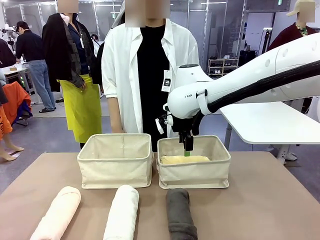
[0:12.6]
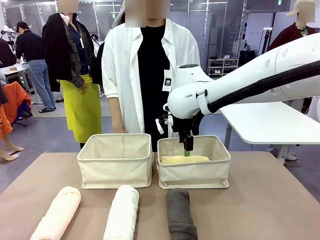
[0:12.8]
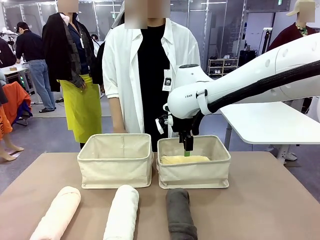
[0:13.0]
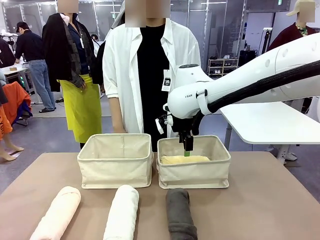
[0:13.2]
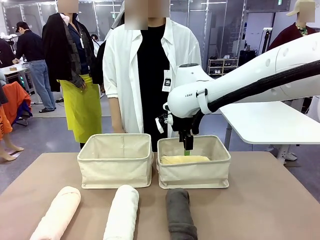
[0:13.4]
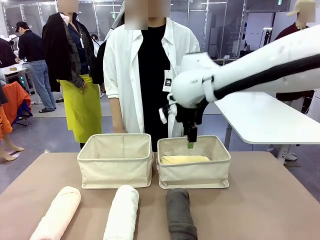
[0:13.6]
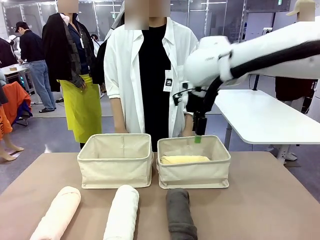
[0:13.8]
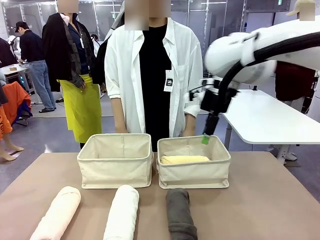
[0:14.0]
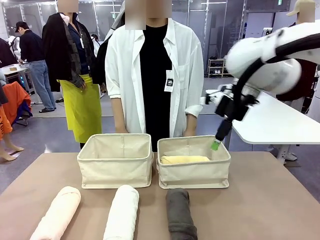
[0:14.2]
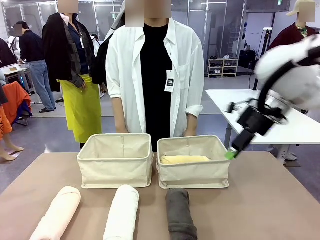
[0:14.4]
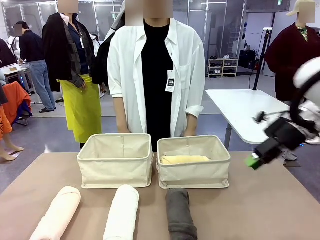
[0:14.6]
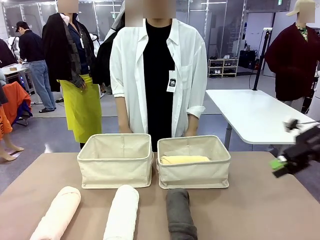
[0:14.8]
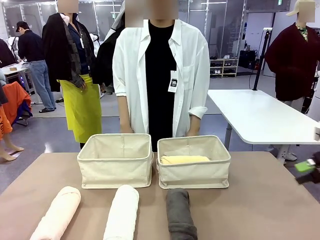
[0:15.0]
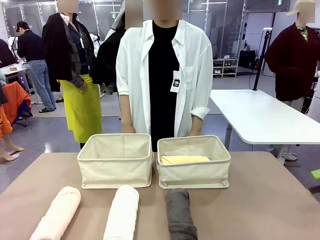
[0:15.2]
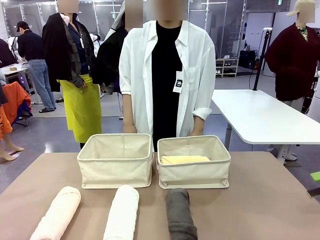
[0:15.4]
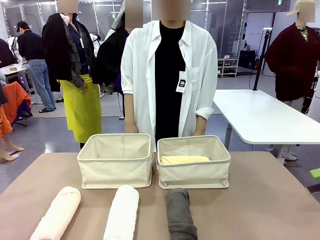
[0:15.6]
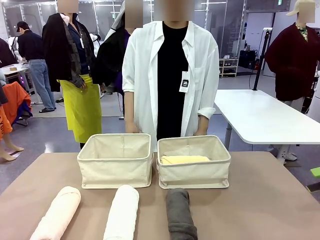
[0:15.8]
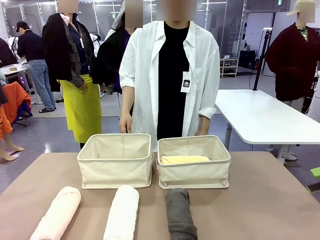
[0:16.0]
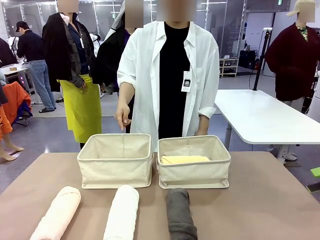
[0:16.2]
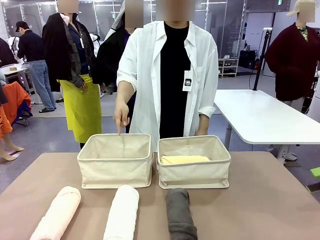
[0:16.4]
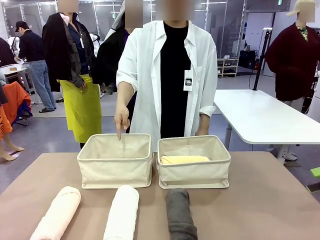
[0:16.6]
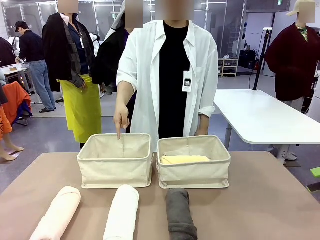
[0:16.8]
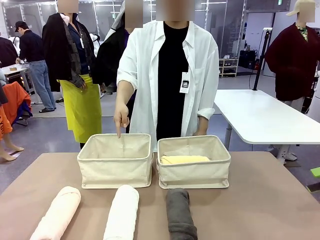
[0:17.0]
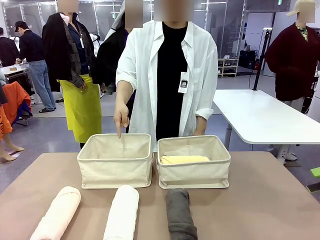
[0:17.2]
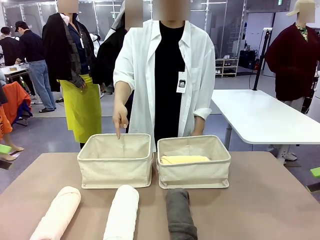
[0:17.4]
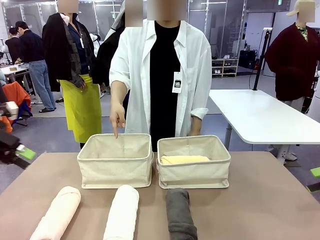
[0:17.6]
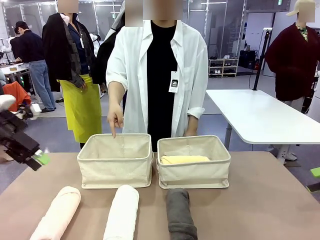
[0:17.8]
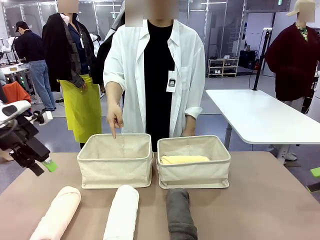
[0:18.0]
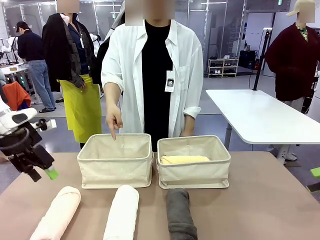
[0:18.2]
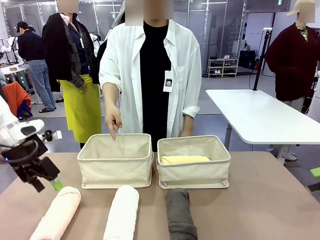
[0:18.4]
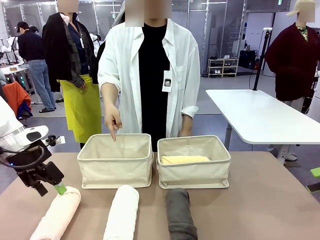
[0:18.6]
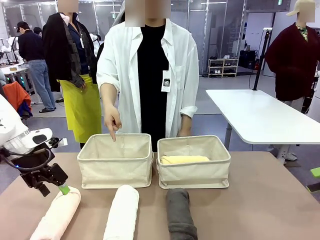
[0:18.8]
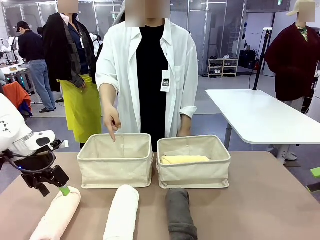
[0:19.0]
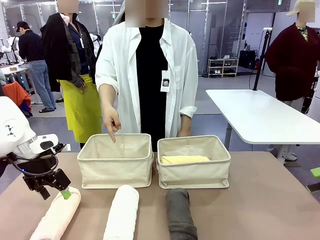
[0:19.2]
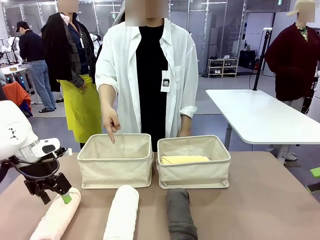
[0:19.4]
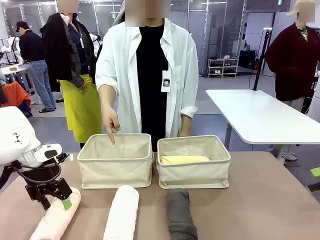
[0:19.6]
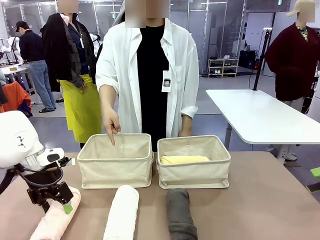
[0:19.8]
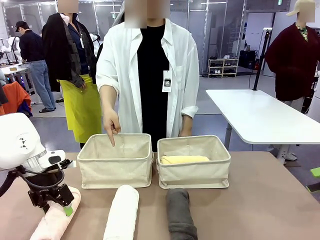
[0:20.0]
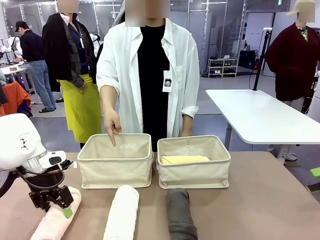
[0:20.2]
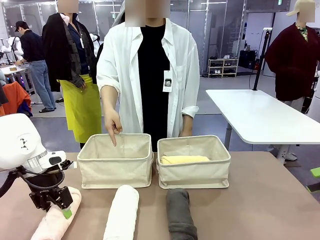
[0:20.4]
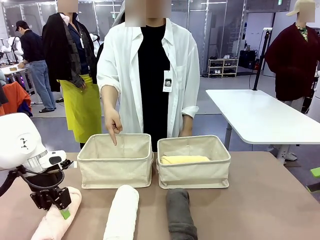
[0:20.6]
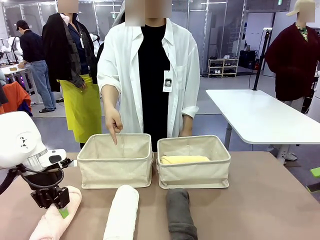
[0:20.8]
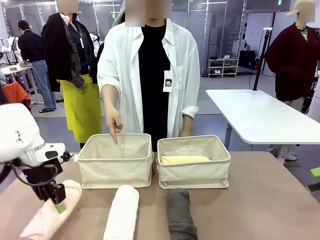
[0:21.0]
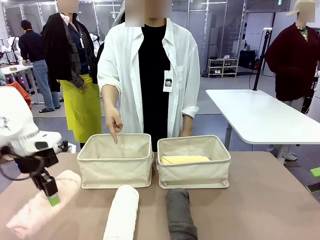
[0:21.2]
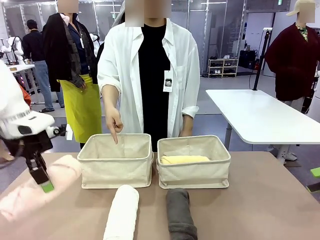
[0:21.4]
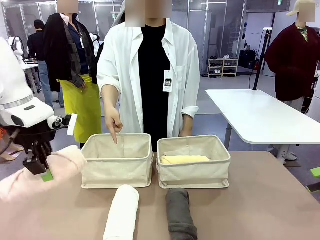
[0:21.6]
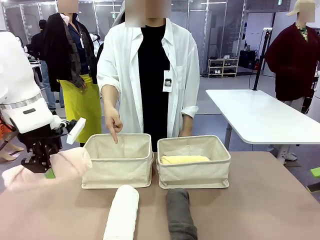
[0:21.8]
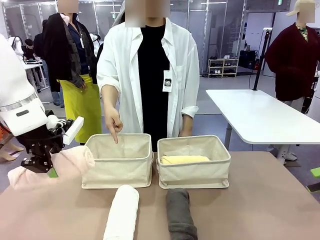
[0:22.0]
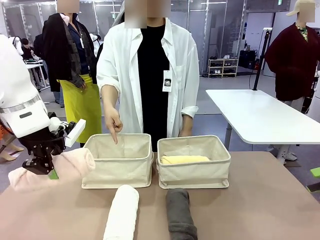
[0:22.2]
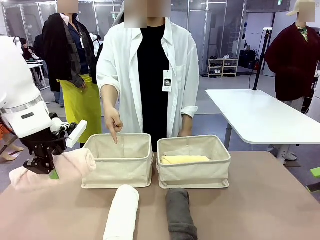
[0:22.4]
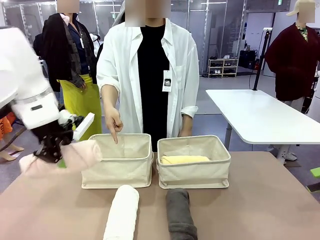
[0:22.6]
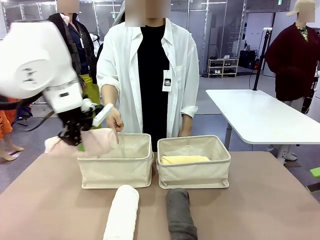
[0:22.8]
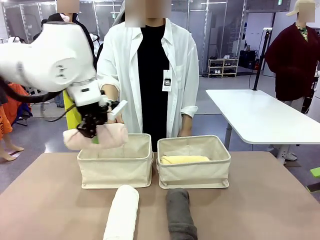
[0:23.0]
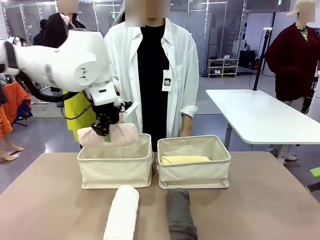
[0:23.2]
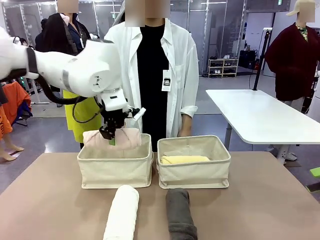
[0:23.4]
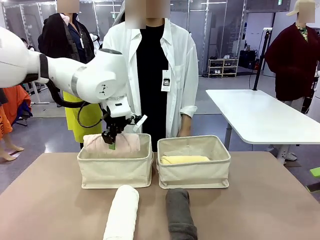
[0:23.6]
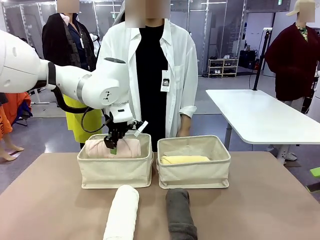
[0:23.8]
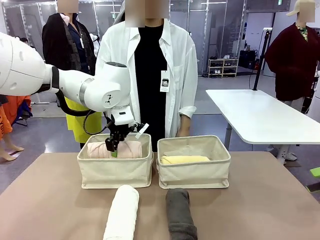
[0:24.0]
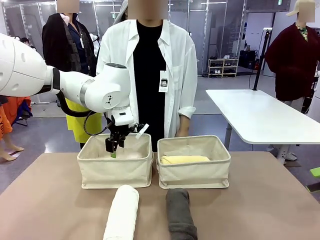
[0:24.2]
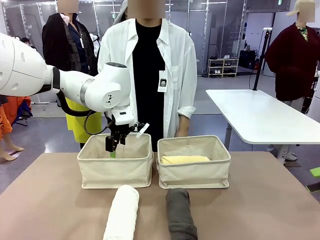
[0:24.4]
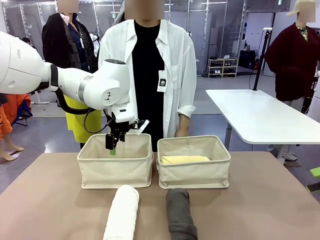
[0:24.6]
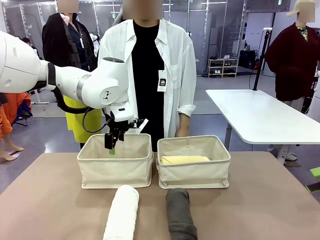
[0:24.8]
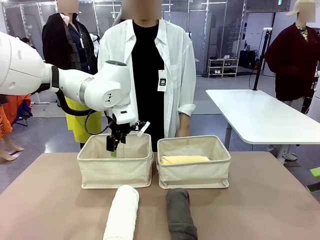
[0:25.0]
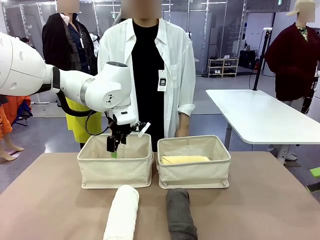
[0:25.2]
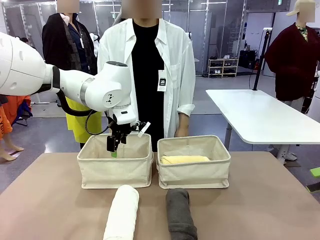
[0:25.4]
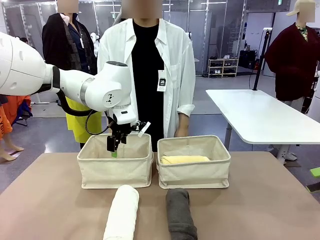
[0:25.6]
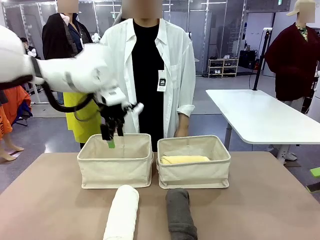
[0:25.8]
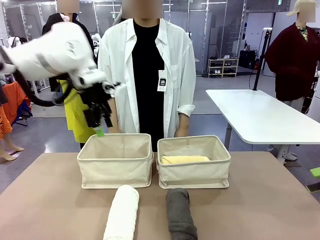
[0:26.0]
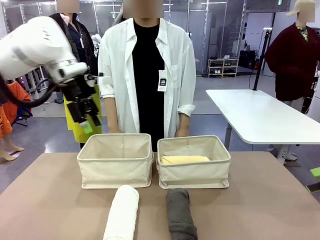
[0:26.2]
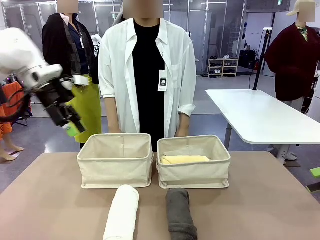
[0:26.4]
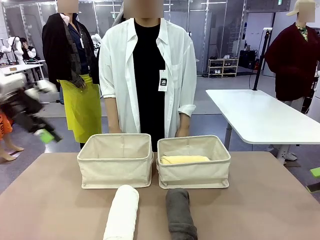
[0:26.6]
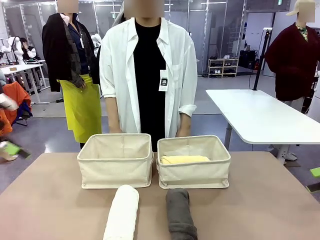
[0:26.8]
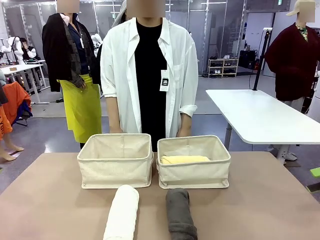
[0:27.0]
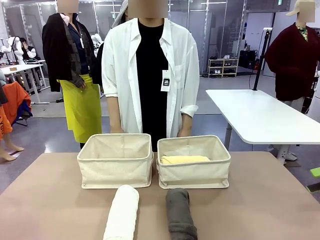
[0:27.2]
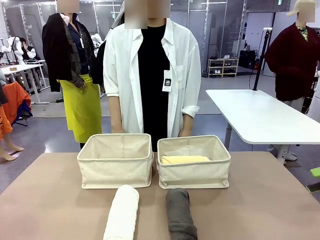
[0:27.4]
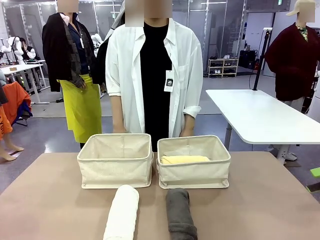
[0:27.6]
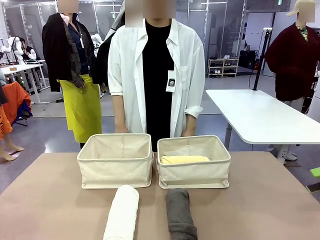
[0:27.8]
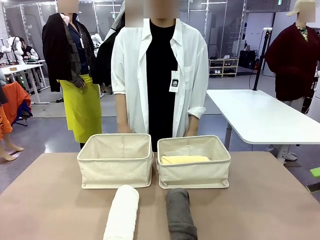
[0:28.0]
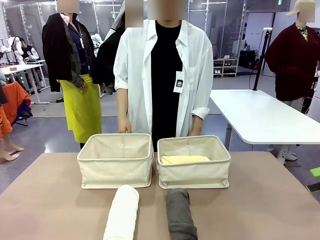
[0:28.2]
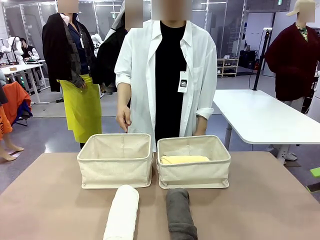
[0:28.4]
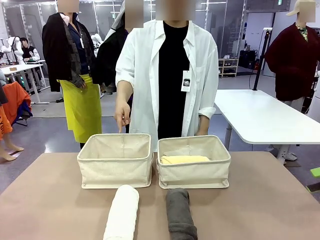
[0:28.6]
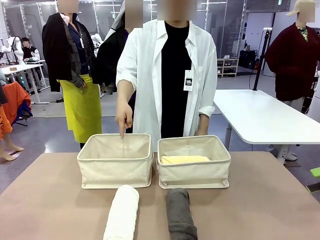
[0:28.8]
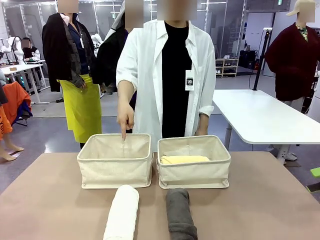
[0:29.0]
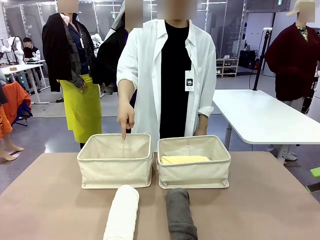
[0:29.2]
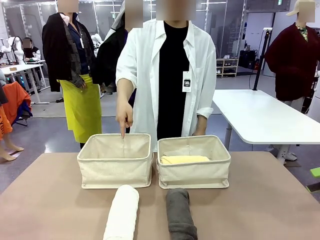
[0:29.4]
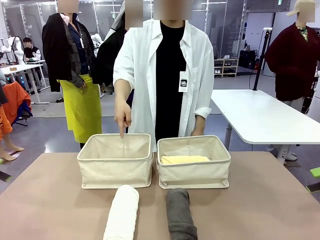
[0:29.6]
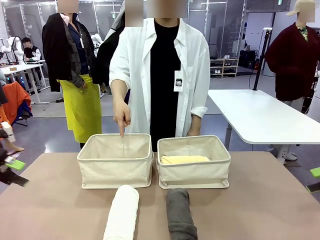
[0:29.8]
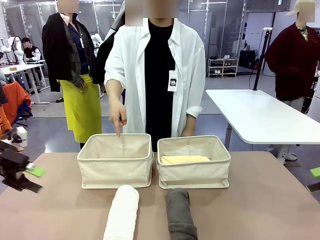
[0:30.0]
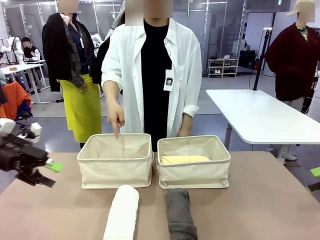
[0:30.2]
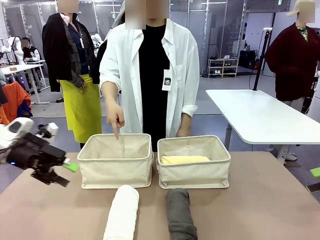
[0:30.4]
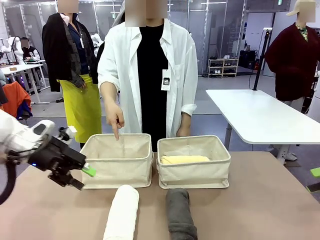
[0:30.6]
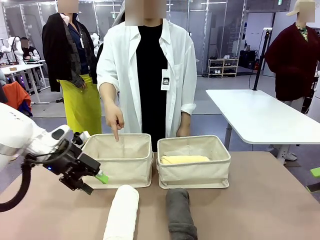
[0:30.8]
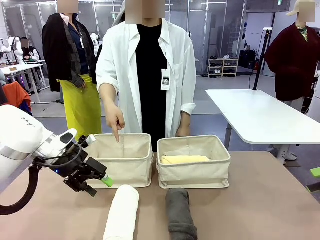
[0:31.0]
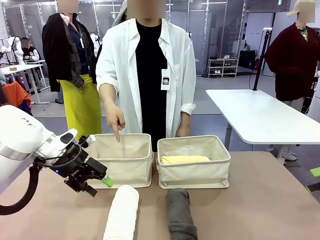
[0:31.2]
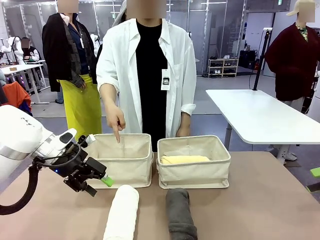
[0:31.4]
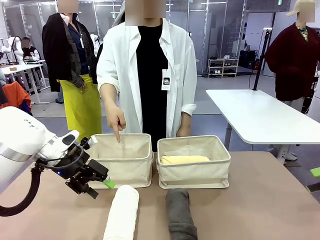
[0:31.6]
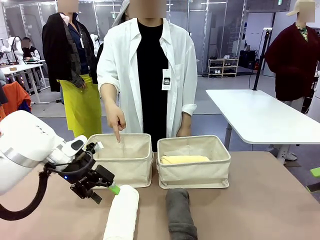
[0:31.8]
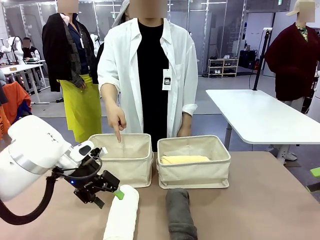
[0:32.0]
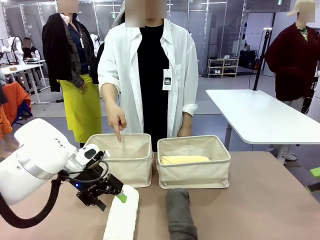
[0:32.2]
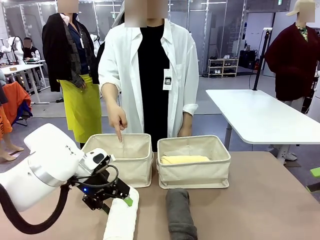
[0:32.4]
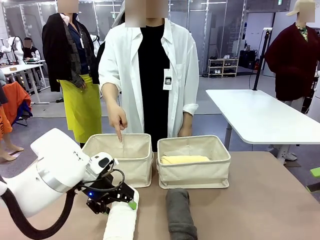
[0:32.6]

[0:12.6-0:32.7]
Task: Divide the towels into two baskets.
Robot: Pick up one hotel-folded towel from the bottom of the table and place it in the Fabric basket indicated by the person.
